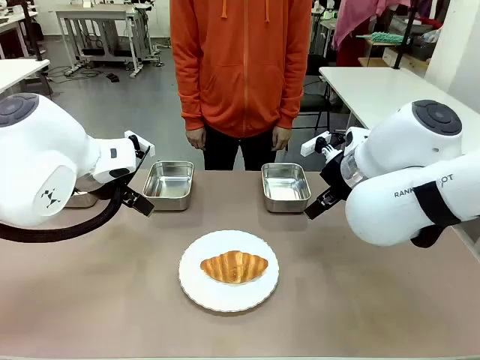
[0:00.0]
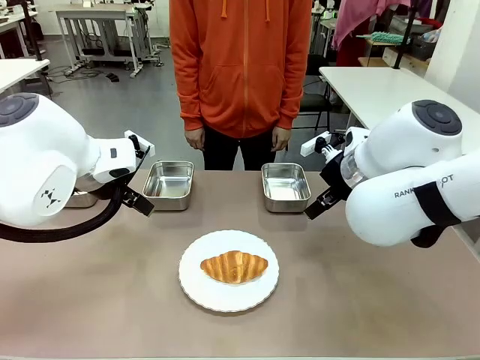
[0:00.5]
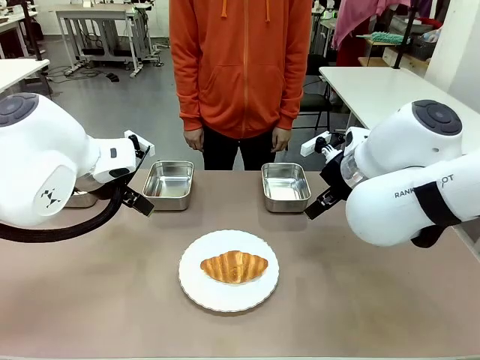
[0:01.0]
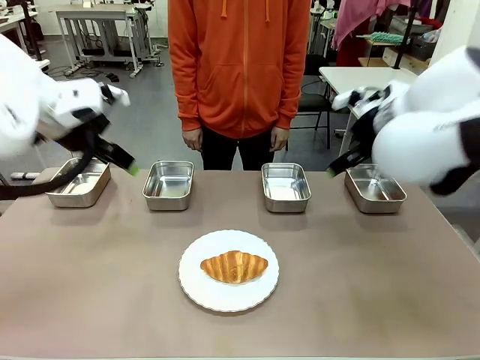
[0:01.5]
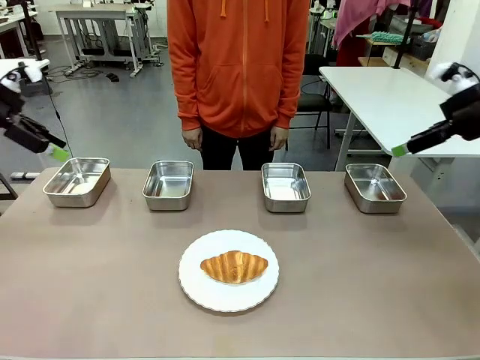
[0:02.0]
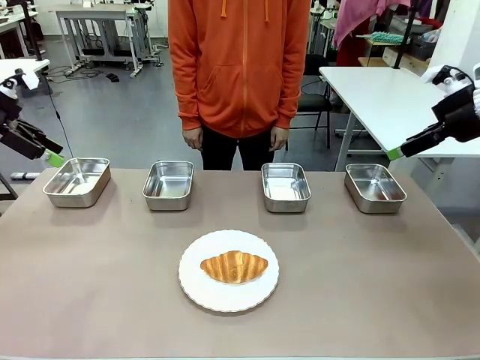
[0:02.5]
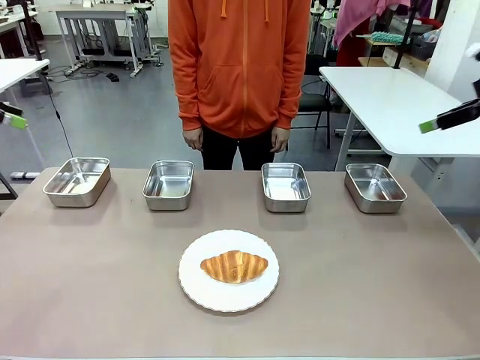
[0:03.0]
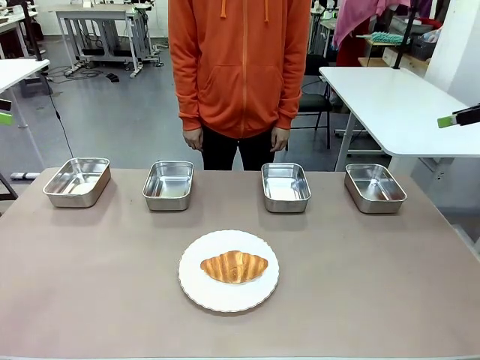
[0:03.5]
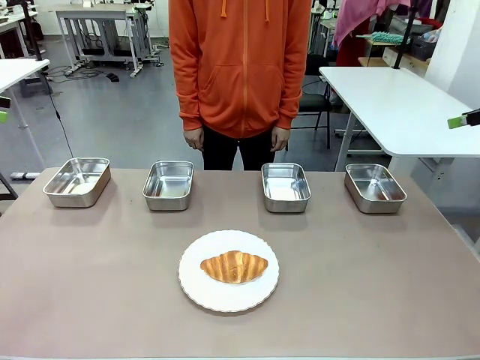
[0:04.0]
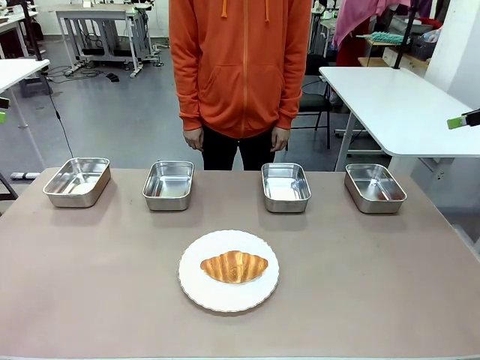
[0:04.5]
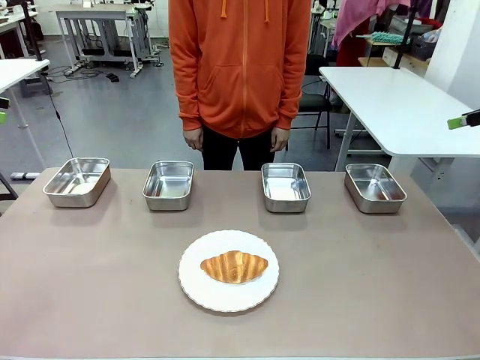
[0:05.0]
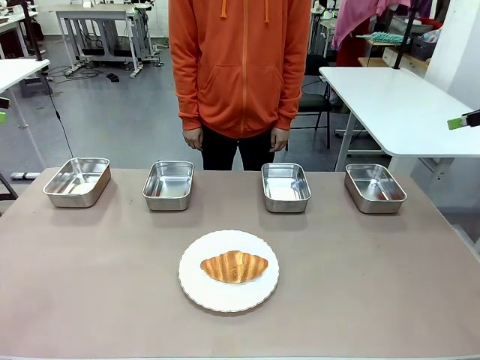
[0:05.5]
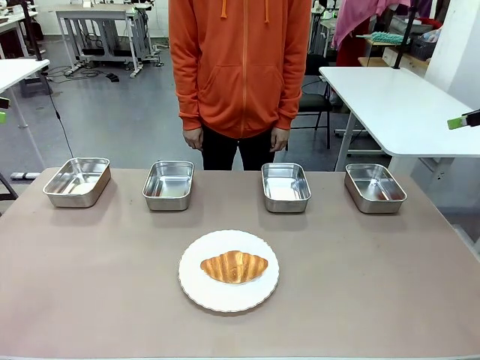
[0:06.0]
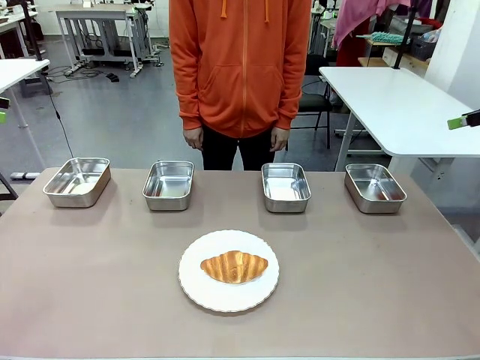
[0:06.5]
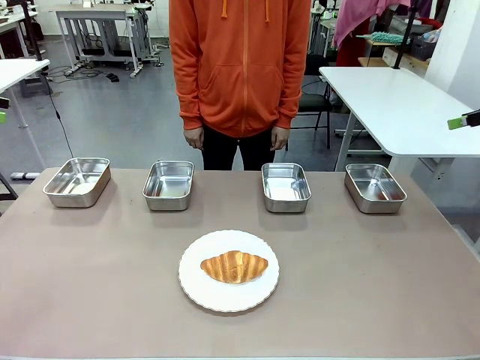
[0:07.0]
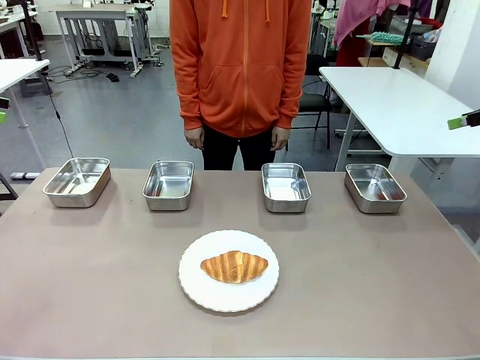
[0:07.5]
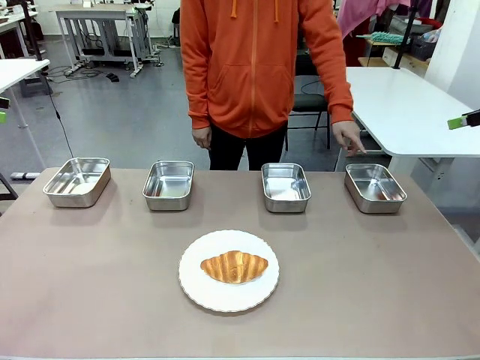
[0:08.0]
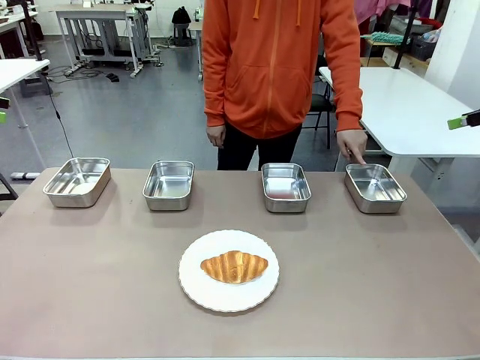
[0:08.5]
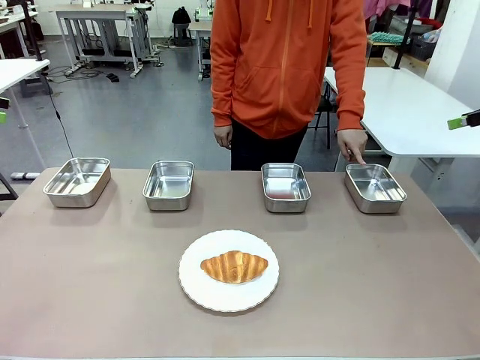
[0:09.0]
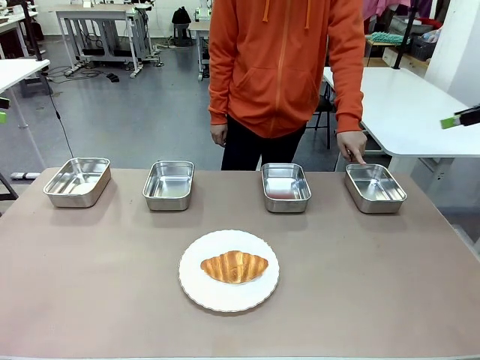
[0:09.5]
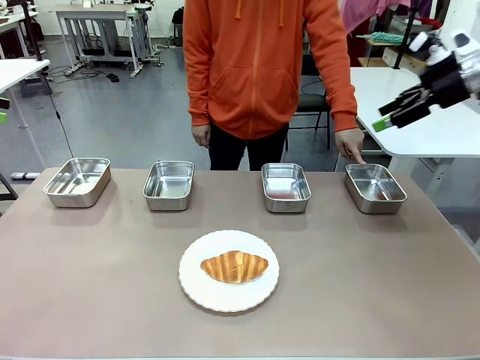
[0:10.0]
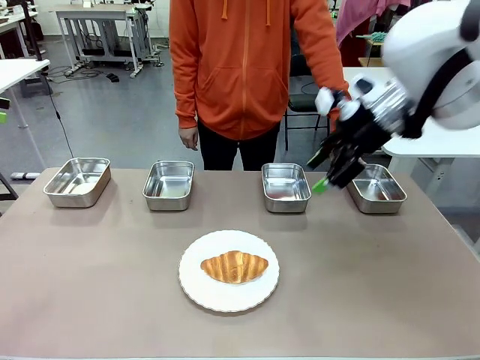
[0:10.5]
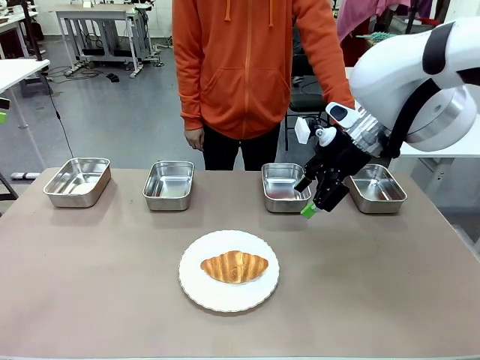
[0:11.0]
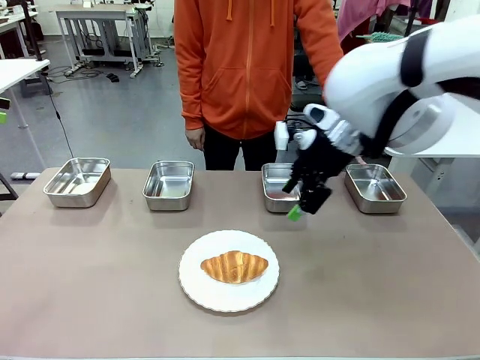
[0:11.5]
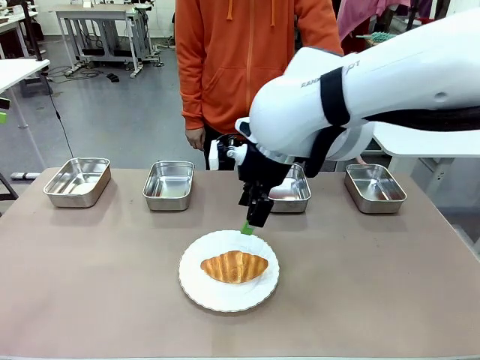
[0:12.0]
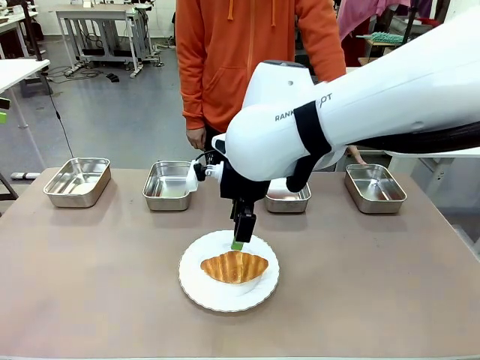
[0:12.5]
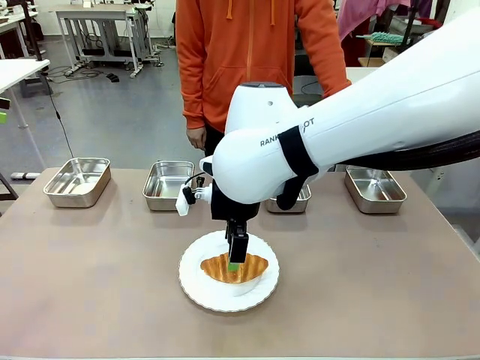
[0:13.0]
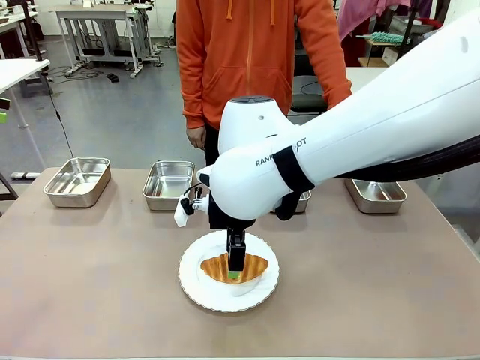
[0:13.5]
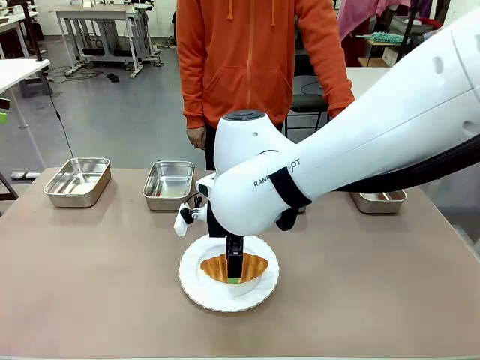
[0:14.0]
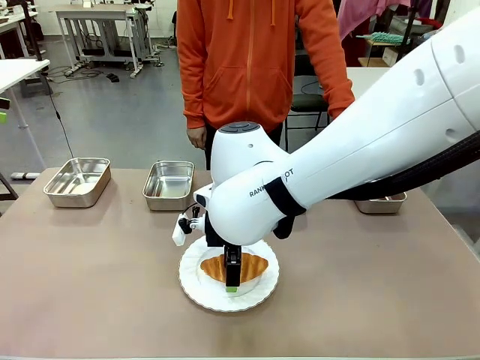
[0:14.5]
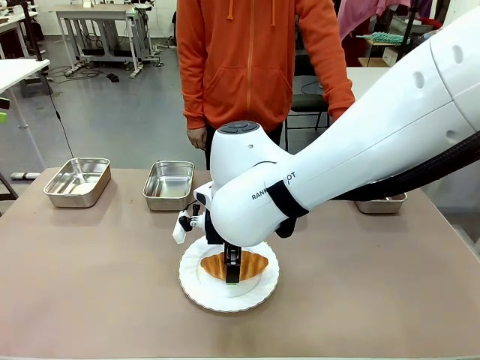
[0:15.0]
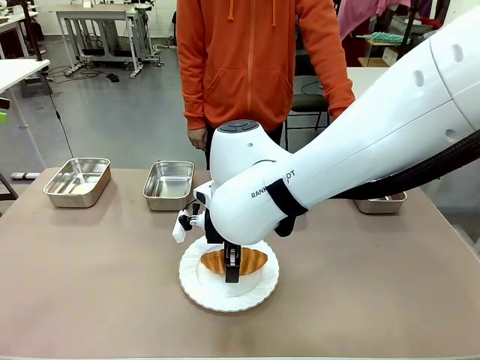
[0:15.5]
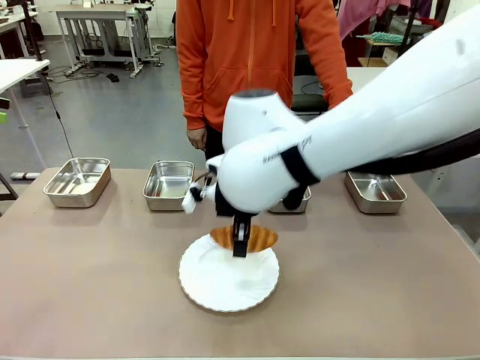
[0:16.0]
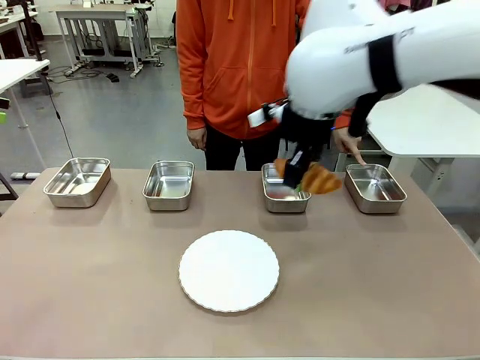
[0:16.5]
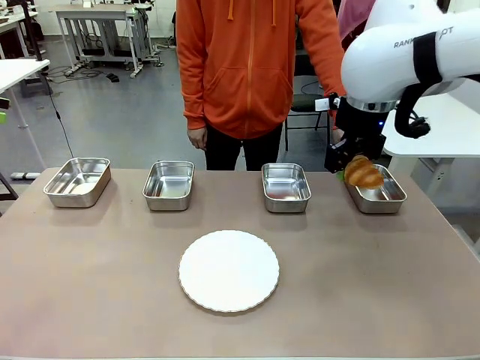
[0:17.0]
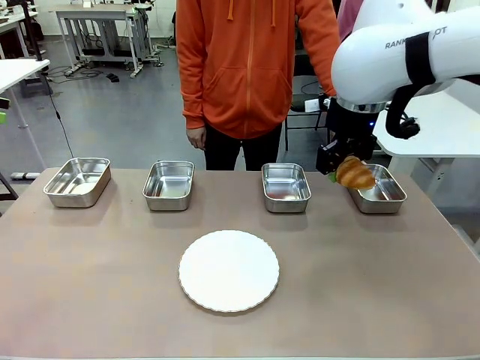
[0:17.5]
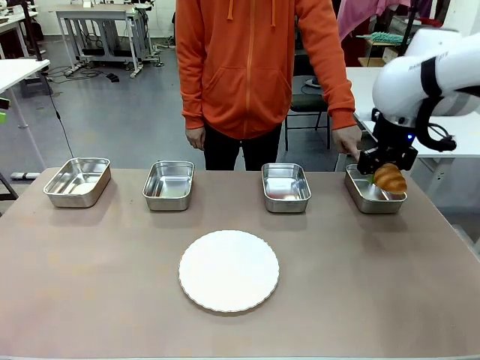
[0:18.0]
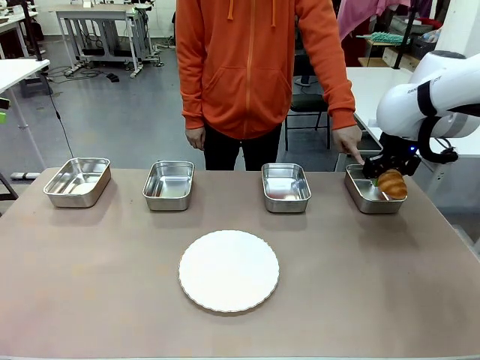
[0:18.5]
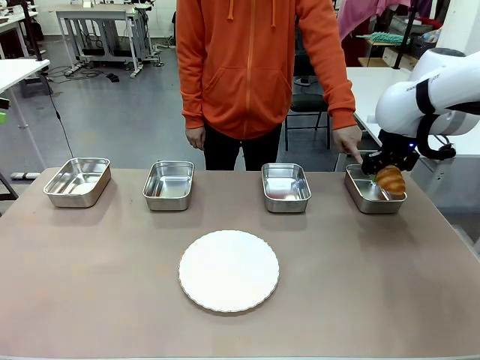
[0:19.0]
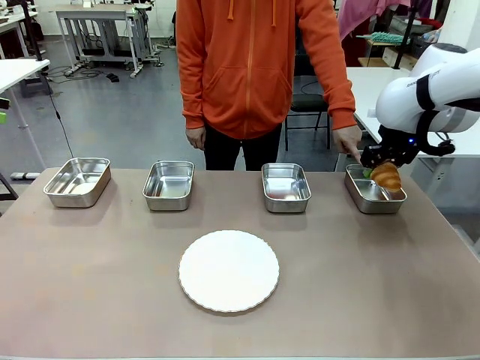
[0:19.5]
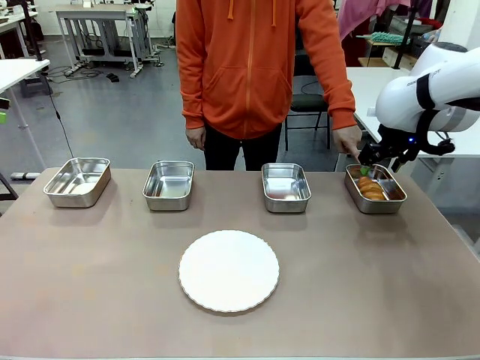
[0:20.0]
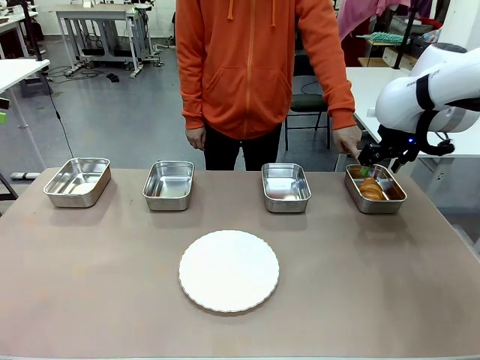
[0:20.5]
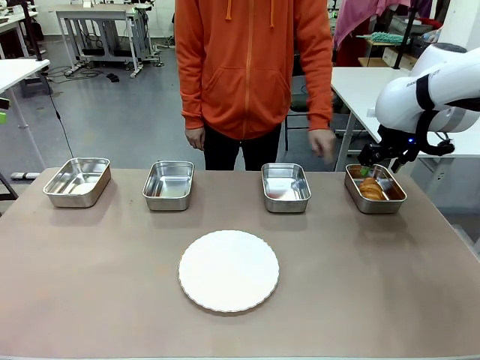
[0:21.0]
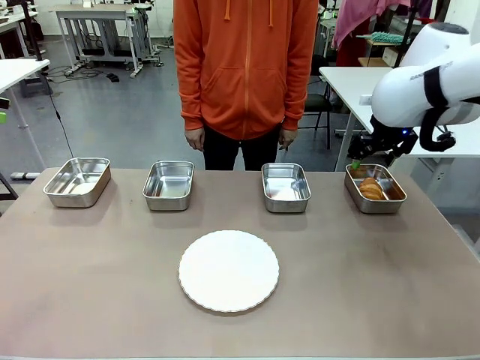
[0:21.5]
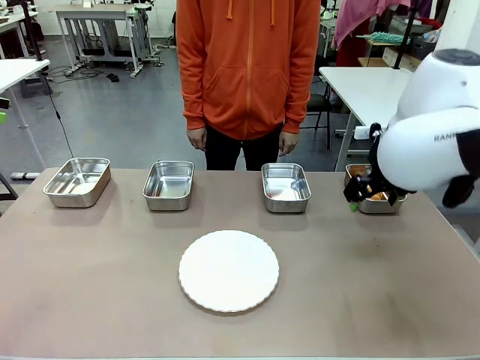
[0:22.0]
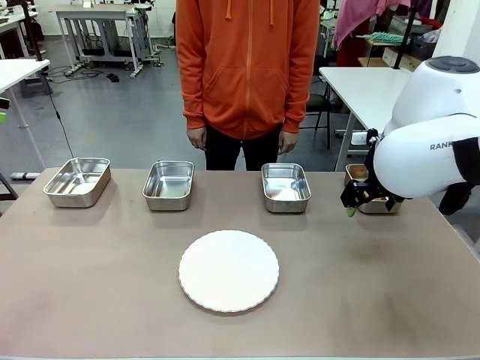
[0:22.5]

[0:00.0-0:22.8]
Task: Place the bread in the container.
Robot: Place the Butter Roll into the Airtight Container indicated by the human.
Person: A person randomly selects and points to an Airtight Container.
